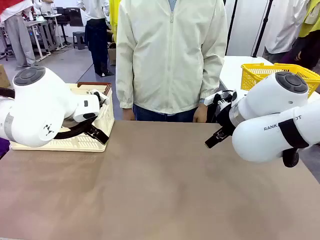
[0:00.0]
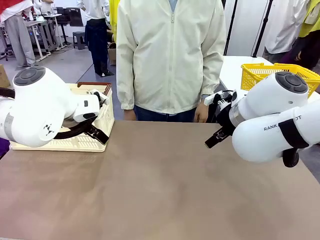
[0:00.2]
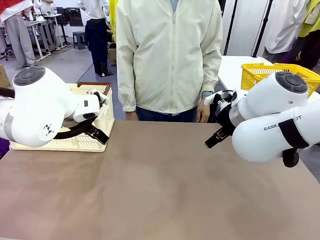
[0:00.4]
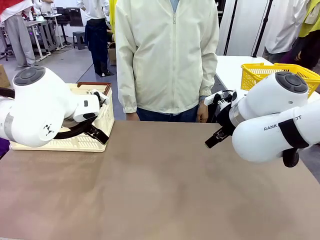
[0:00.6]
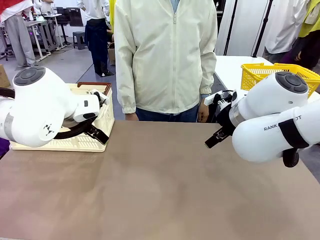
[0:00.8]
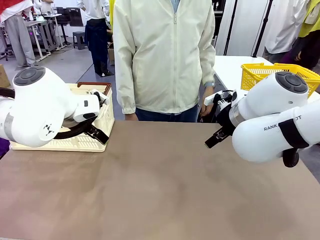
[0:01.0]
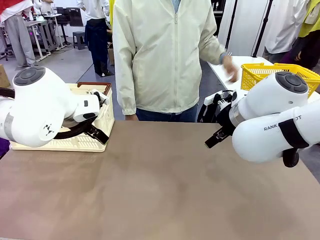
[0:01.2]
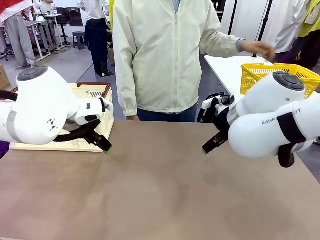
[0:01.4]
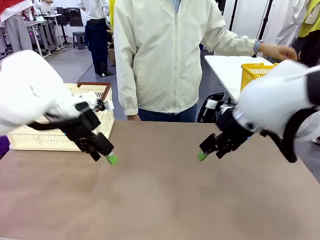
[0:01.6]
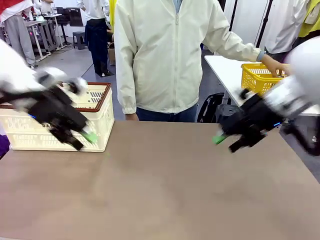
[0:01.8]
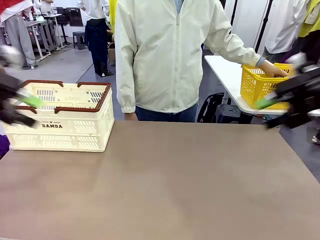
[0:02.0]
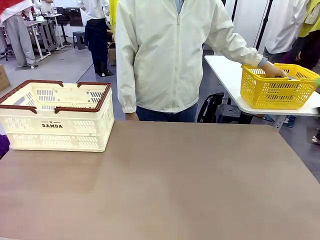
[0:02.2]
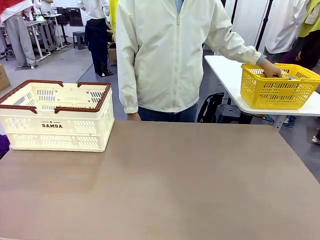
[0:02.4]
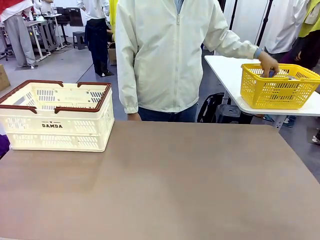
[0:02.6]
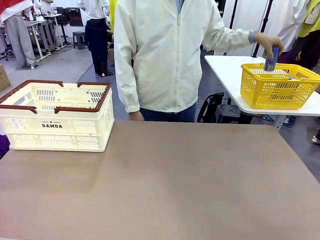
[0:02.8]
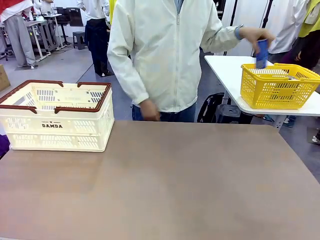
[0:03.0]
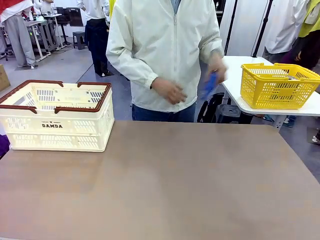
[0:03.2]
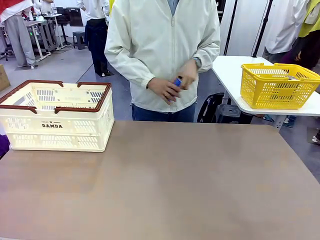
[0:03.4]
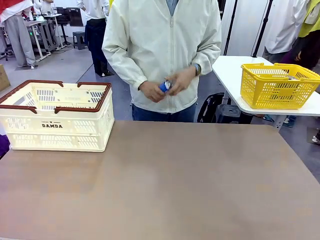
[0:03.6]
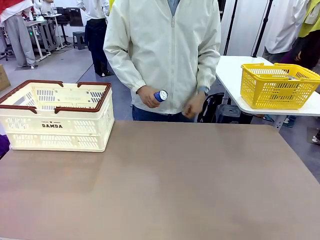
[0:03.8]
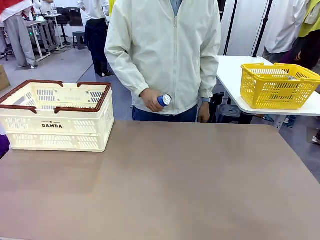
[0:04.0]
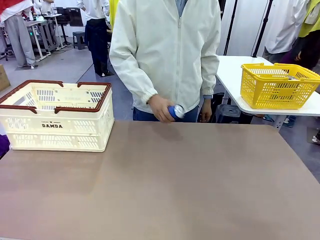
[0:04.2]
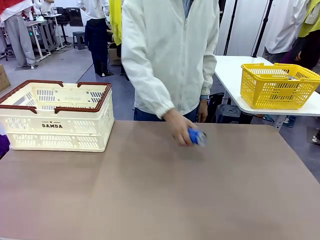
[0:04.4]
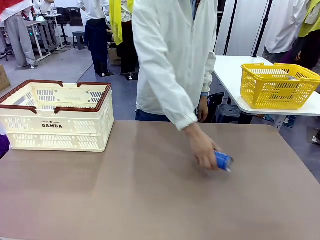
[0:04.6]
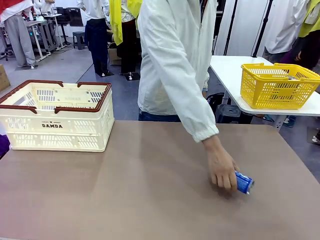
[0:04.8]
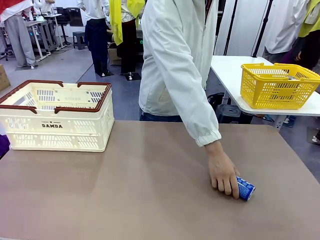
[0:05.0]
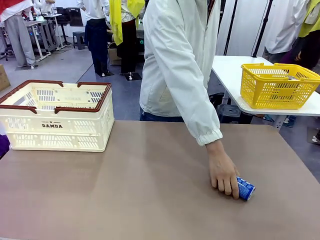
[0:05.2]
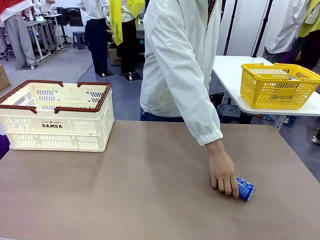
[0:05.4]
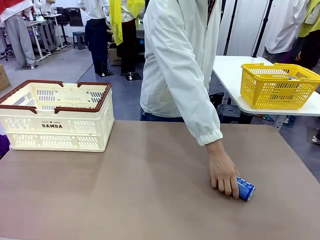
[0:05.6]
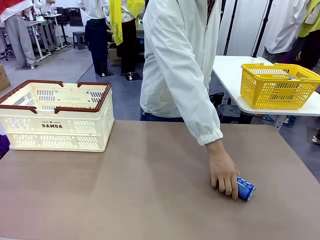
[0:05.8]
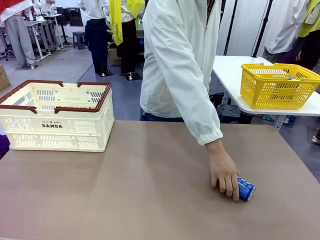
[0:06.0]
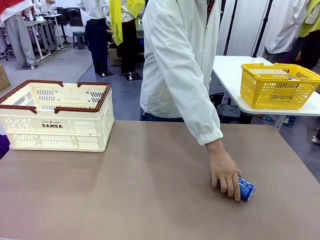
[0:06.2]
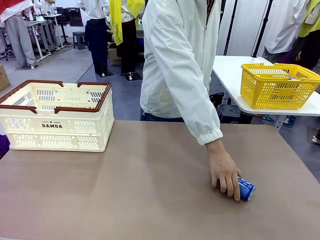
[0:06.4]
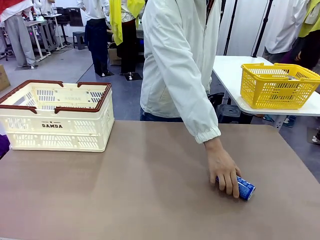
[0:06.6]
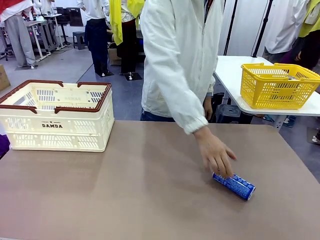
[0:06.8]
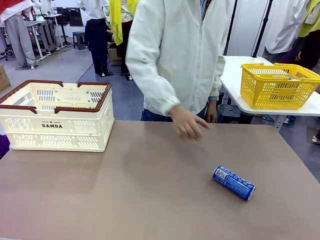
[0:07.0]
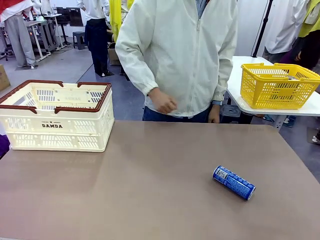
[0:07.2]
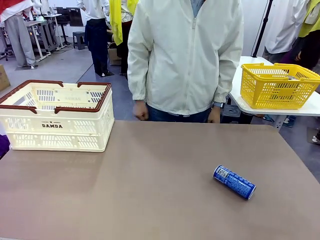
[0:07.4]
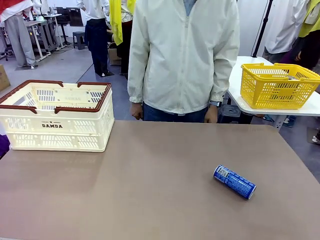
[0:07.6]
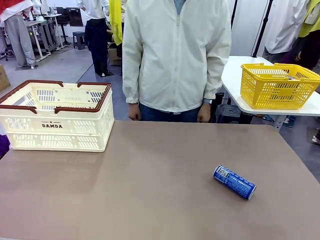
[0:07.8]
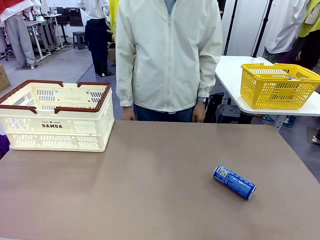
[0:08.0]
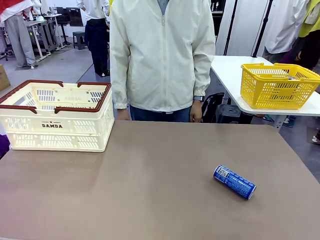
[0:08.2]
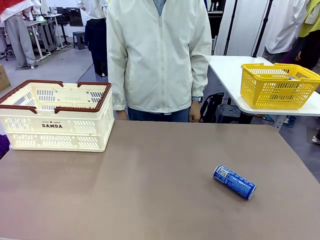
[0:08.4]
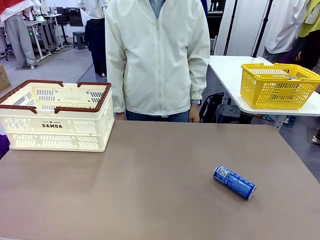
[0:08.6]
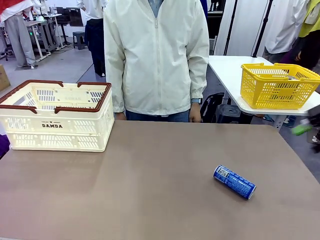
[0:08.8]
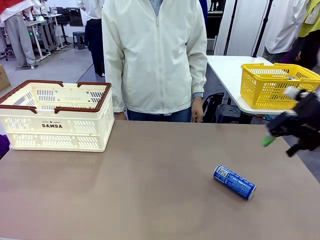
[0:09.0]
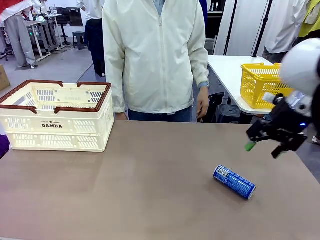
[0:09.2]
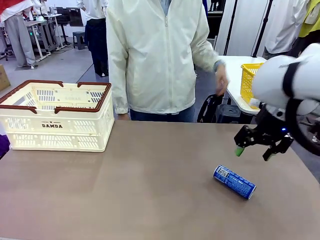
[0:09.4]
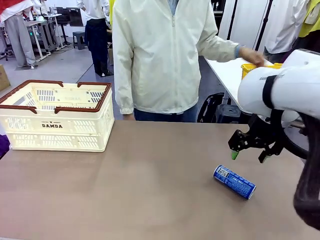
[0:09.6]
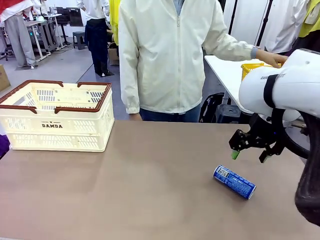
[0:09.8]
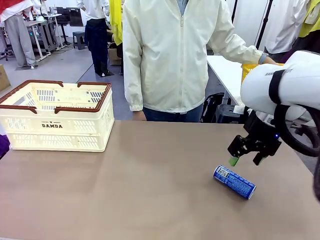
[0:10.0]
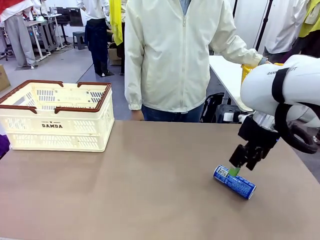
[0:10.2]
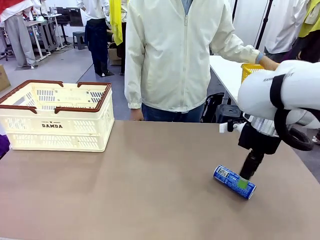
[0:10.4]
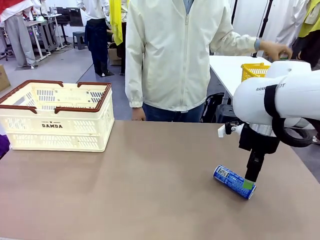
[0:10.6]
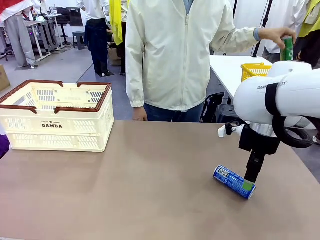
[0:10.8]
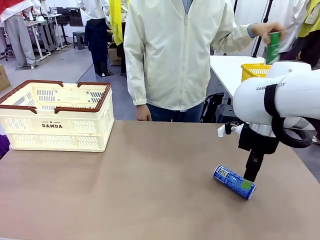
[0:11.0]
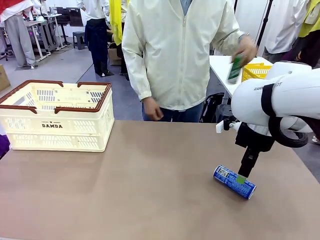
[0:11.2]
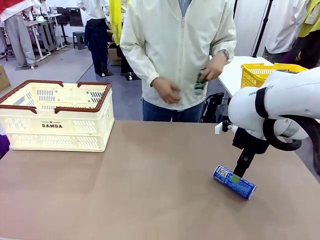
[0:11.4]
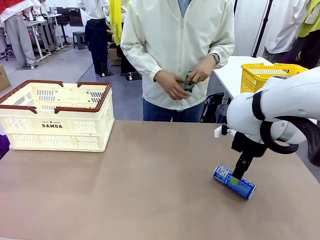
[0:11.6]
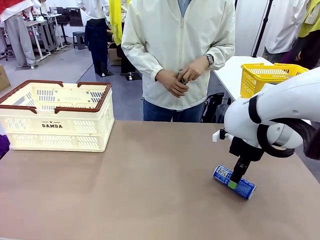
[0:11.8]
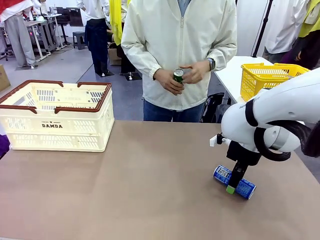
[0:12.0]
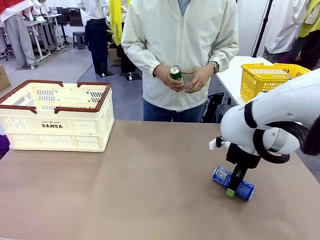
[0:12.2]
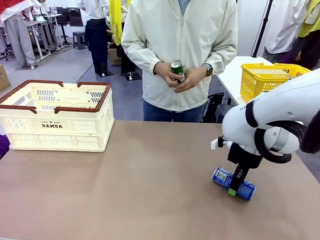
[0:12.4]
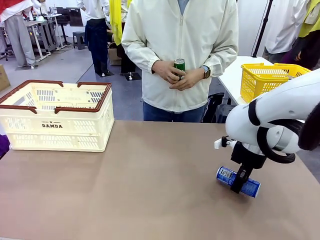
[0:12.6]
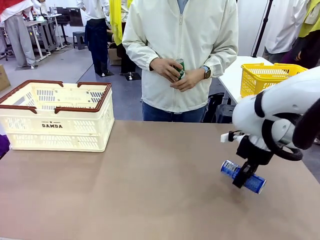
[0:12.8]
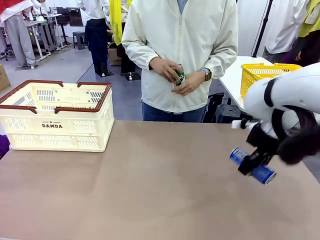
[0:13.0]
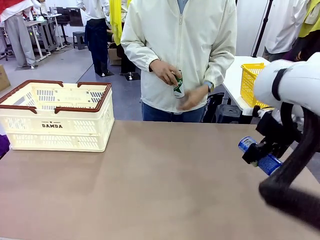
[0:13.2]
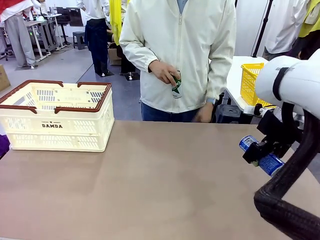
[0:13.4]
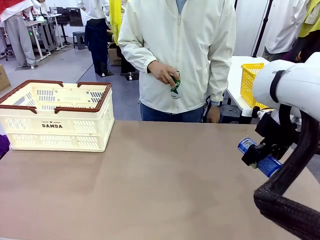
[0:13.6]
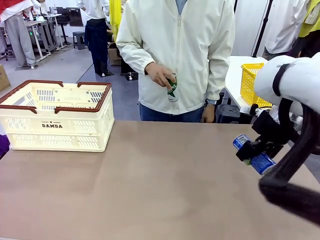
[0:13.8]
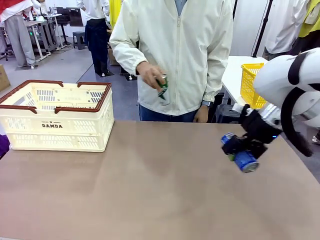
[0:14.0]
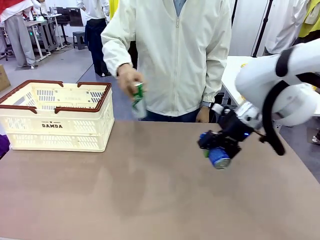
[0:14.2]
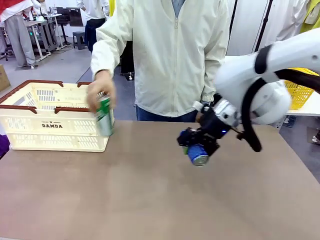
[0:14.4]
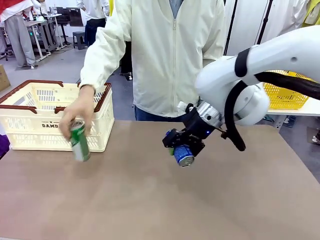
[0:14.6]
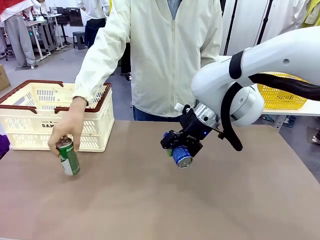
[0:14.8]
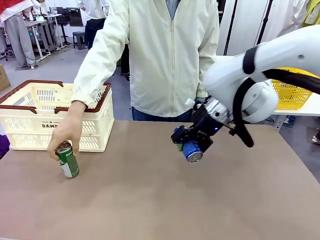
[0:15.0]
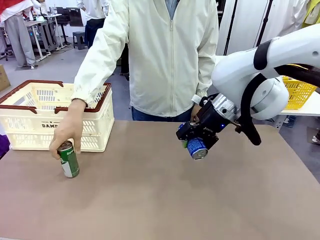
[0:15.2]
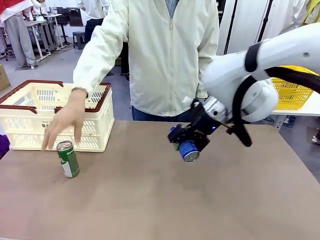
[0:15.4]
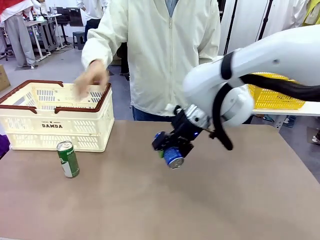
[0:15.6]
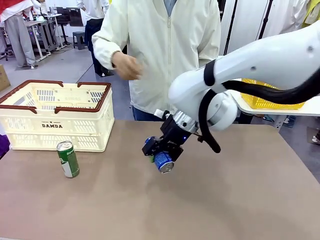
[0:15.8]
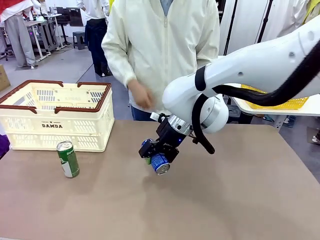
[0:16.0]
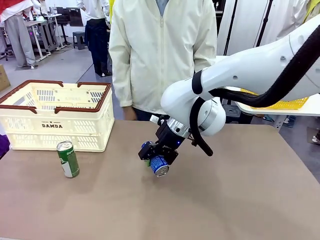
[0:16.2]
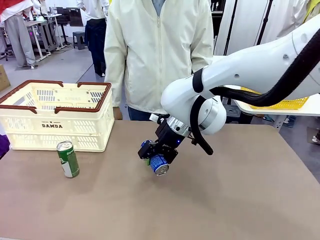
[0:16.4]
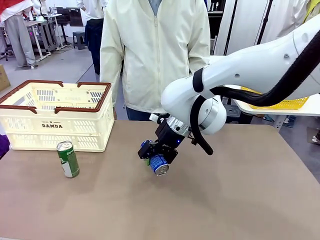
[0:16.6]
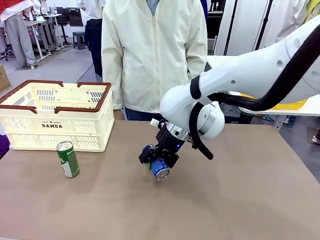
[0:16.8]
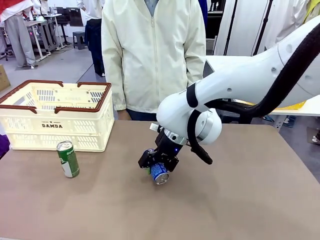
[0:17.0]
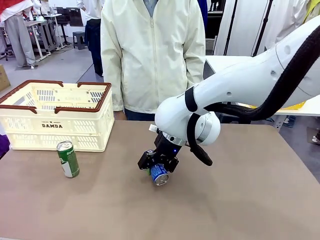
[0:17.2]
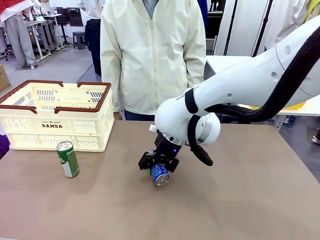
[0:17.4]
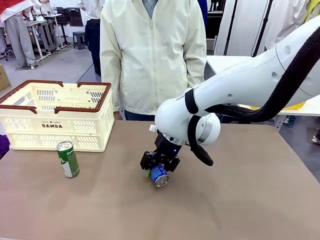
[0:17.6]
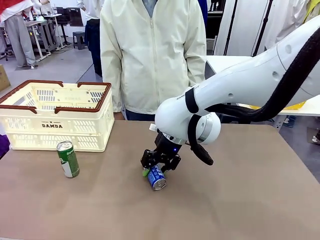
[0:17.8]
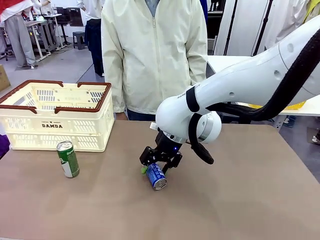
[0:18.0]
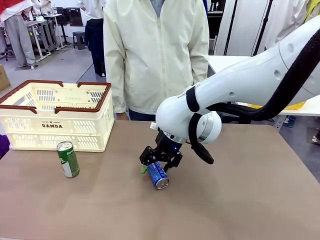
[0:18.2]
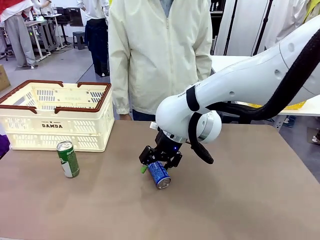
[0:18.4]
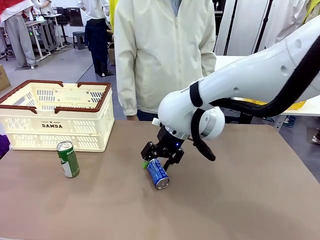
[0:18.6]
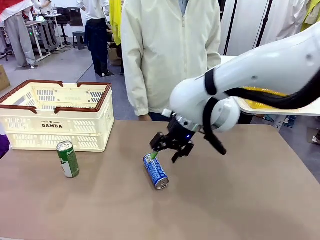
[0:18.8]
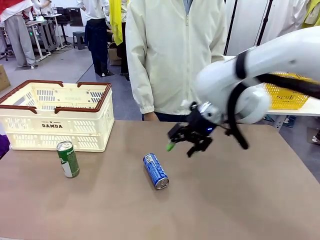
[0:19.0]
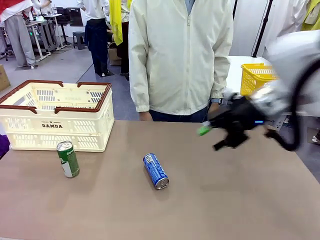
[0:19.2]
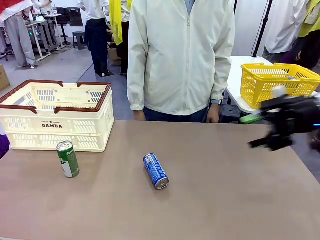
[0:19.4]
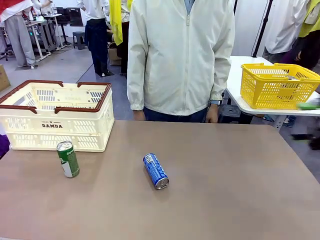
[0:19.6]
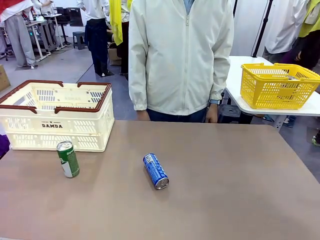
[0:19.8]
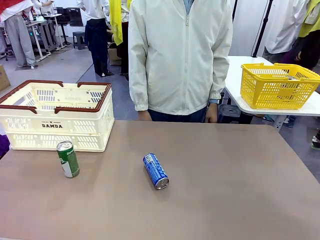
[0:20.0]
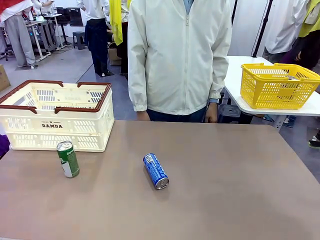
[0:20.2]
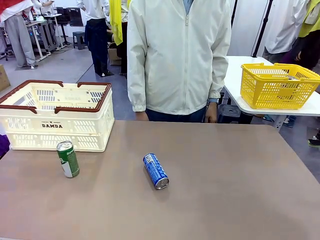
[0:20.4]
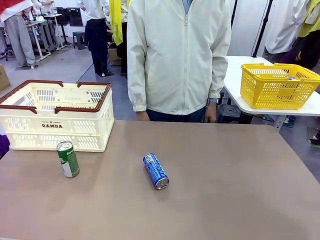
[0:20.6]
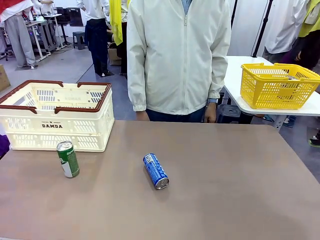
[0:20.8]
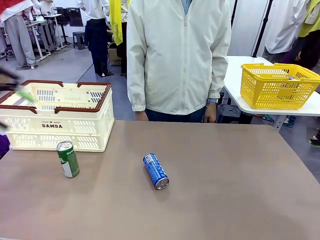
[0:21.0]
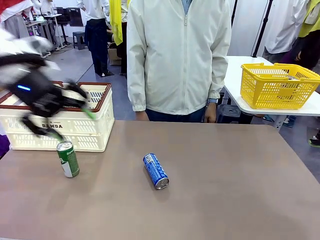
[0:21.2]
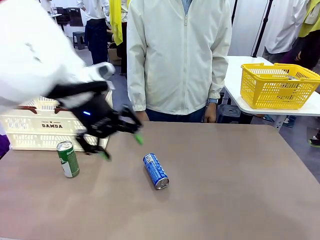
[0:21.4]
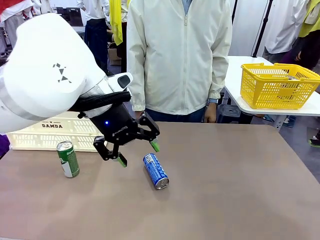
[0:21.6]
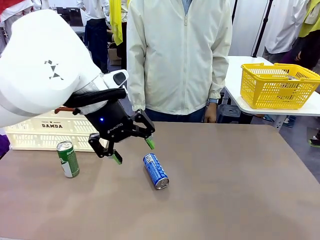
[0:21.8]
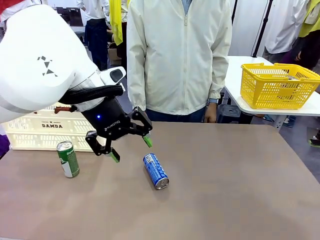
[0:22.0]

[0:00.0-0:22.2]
Task: Place the drinks into the Shopping basket.
Robot: Pick up one drink and place it into the Shopping basket.
